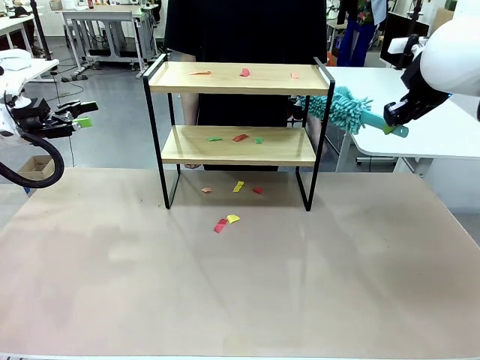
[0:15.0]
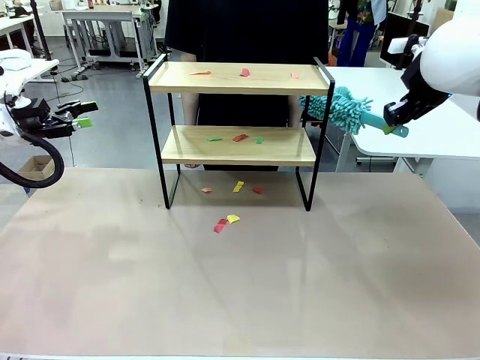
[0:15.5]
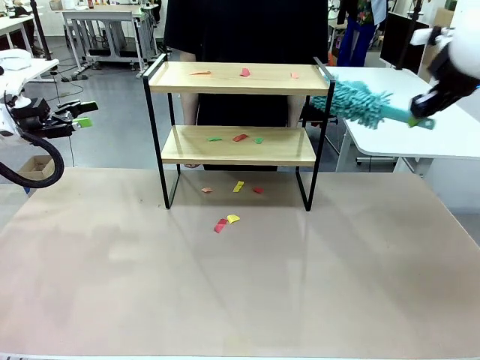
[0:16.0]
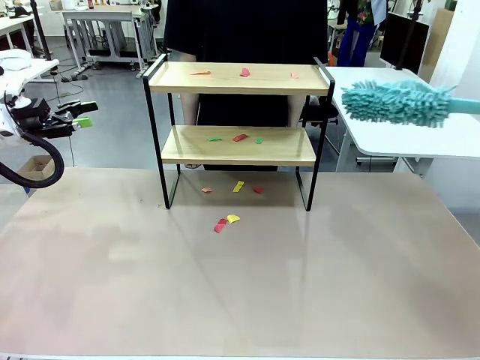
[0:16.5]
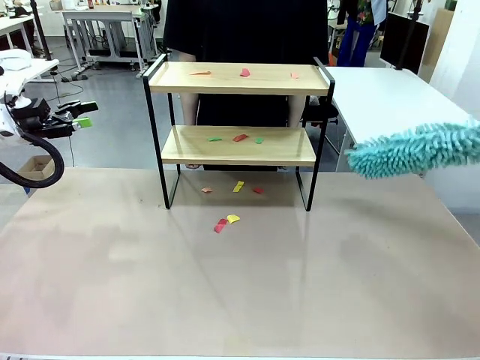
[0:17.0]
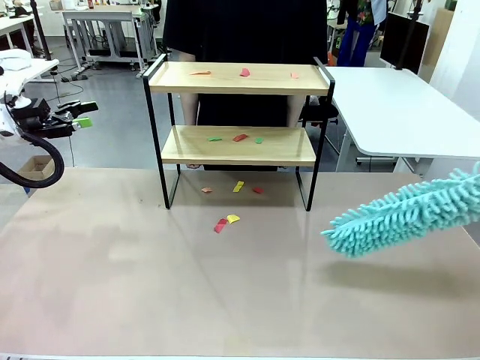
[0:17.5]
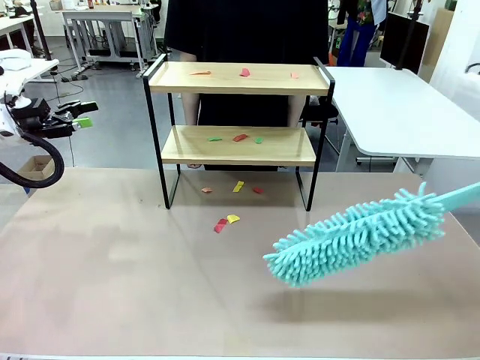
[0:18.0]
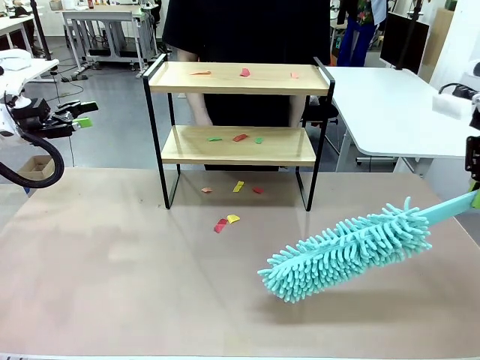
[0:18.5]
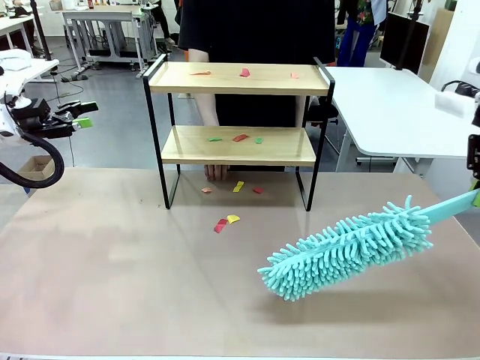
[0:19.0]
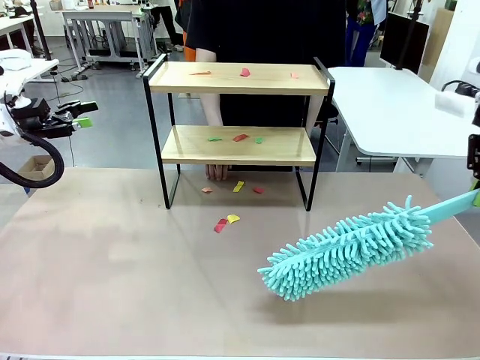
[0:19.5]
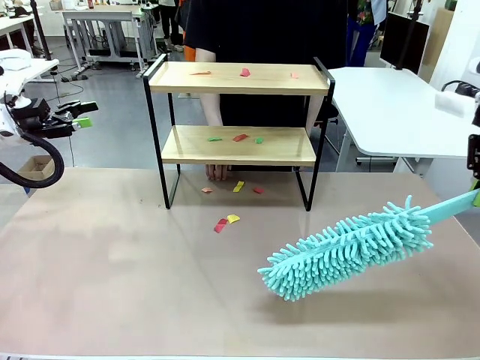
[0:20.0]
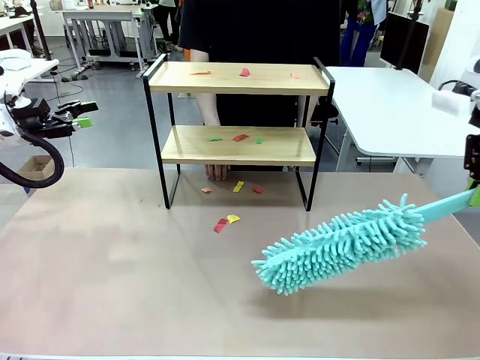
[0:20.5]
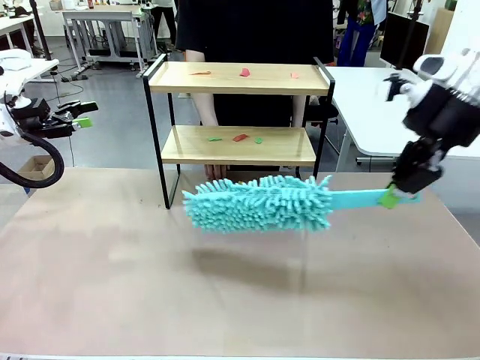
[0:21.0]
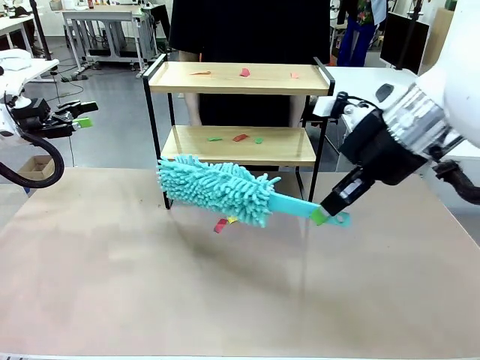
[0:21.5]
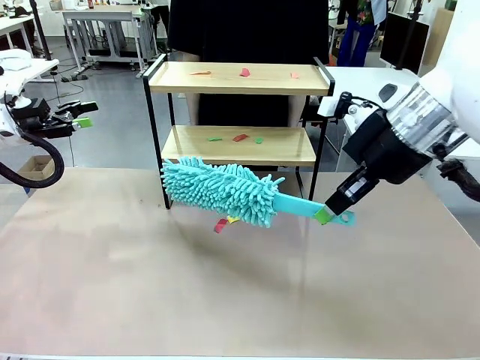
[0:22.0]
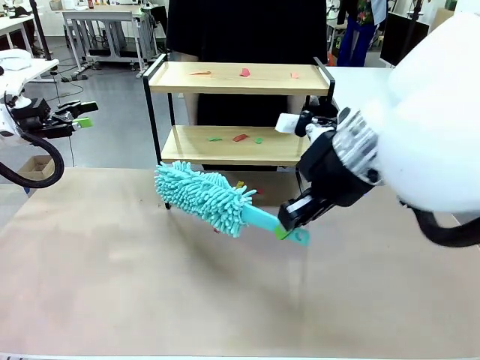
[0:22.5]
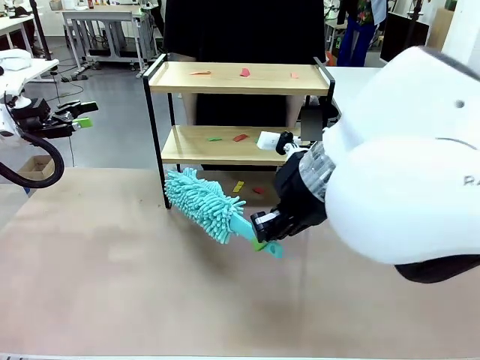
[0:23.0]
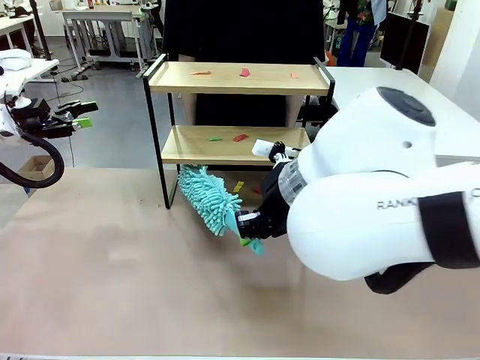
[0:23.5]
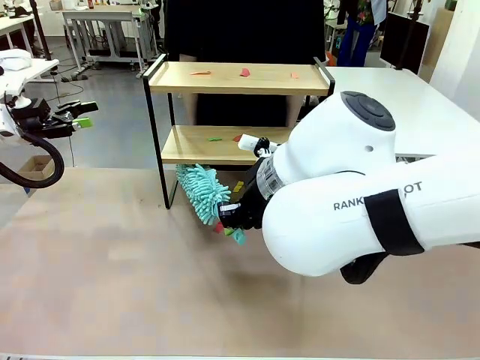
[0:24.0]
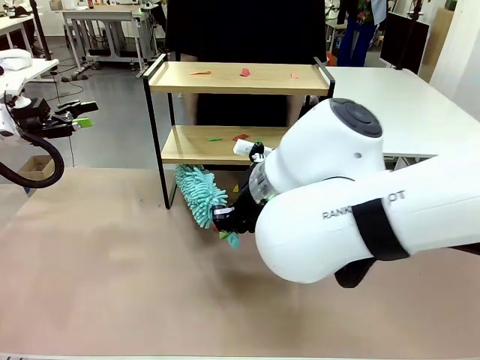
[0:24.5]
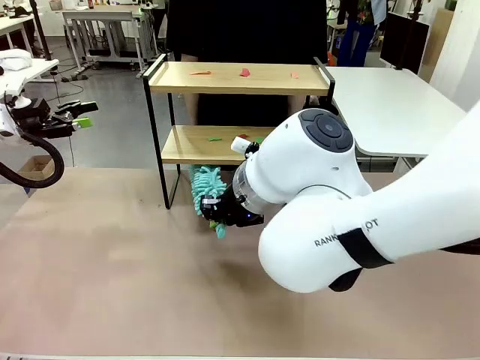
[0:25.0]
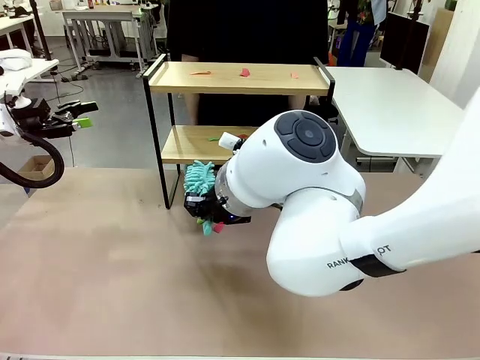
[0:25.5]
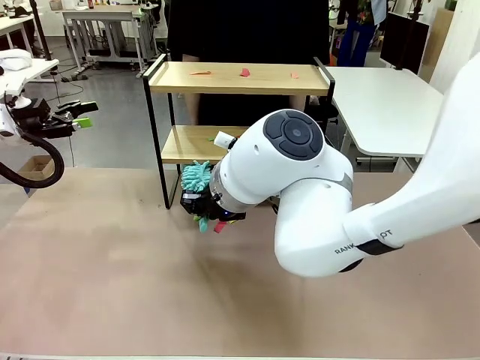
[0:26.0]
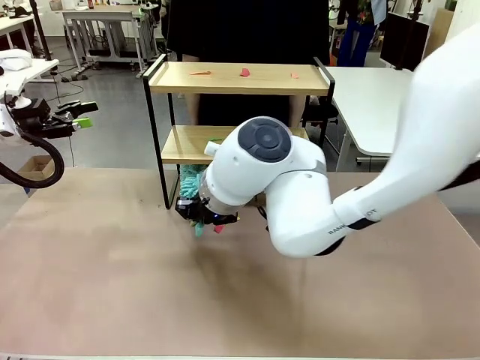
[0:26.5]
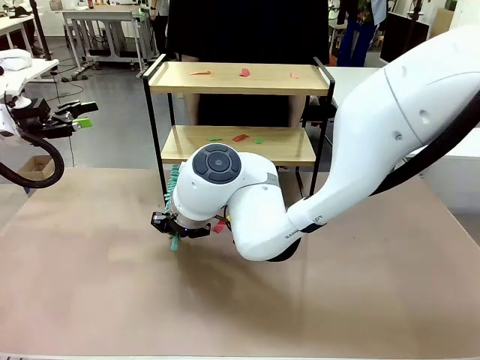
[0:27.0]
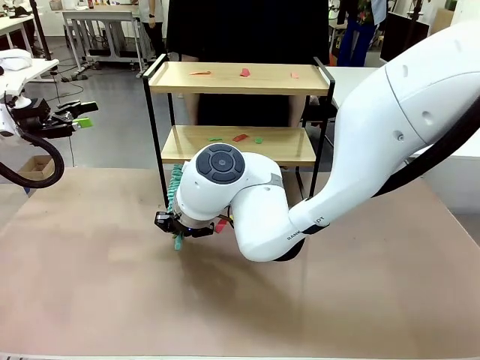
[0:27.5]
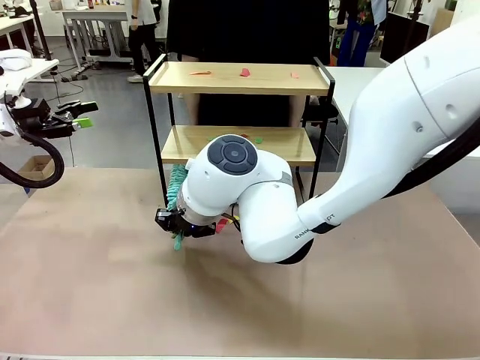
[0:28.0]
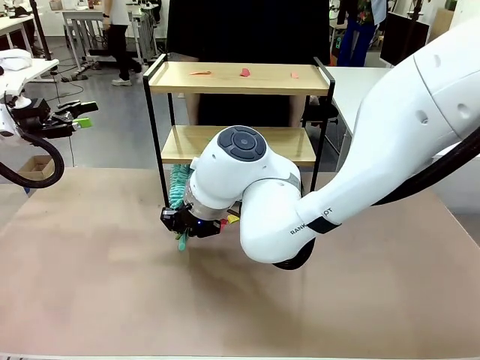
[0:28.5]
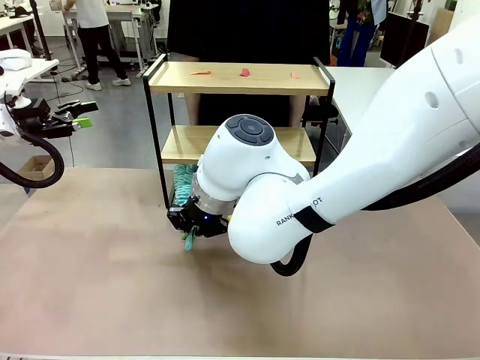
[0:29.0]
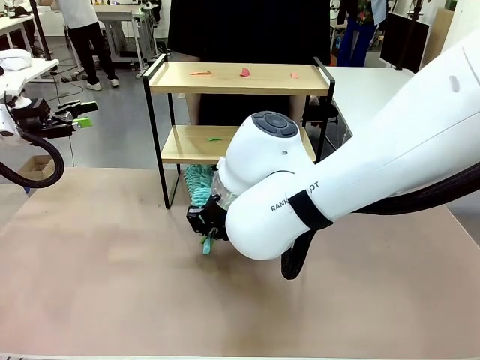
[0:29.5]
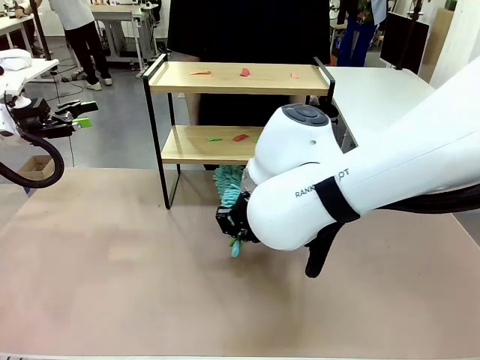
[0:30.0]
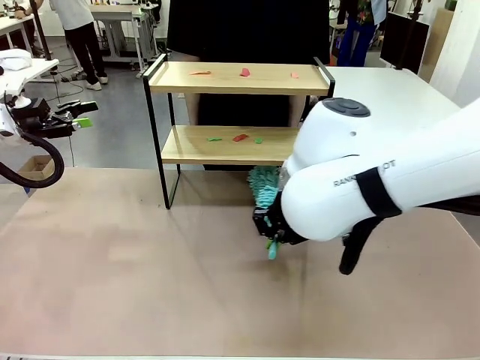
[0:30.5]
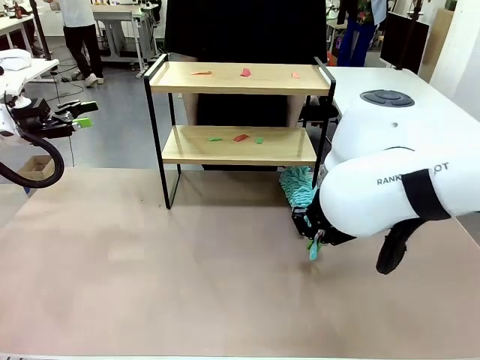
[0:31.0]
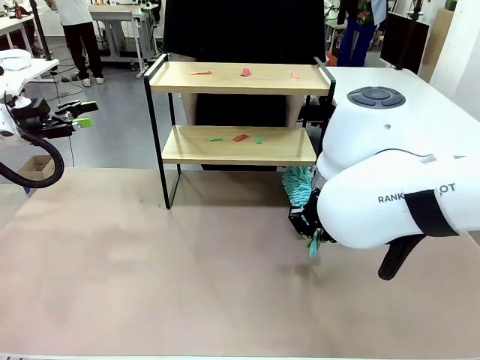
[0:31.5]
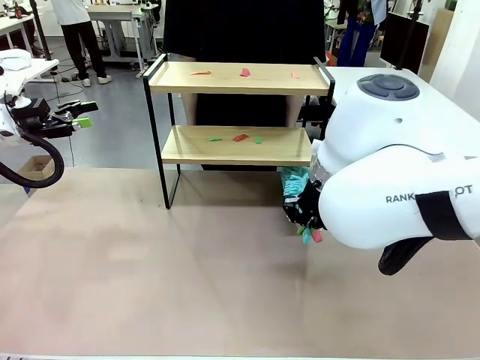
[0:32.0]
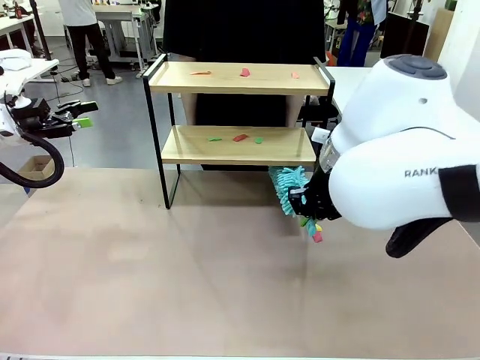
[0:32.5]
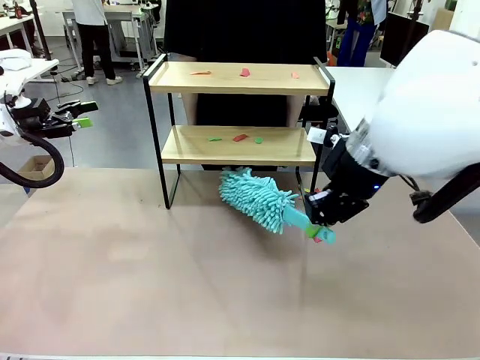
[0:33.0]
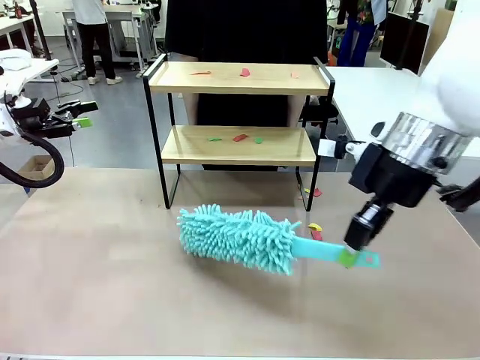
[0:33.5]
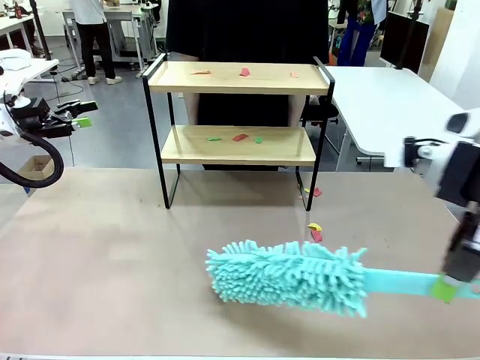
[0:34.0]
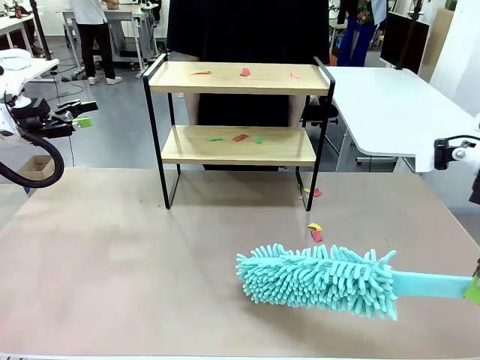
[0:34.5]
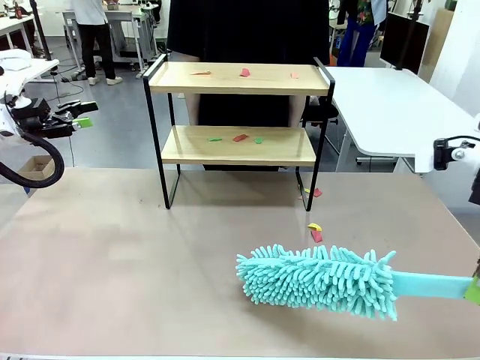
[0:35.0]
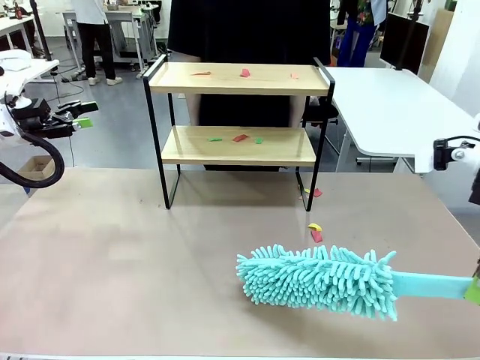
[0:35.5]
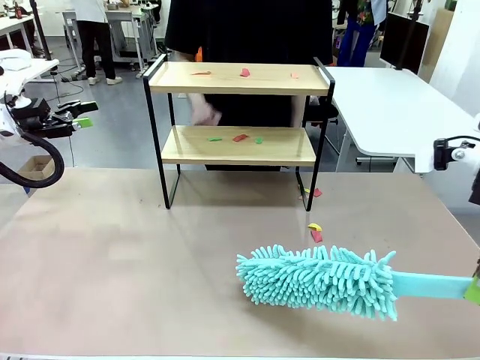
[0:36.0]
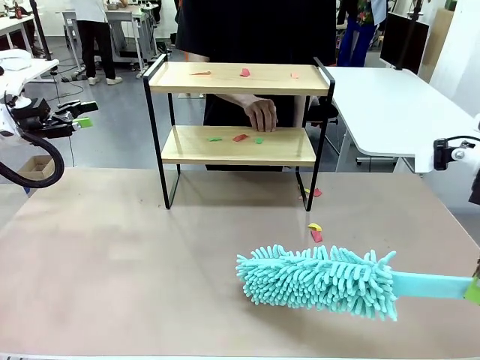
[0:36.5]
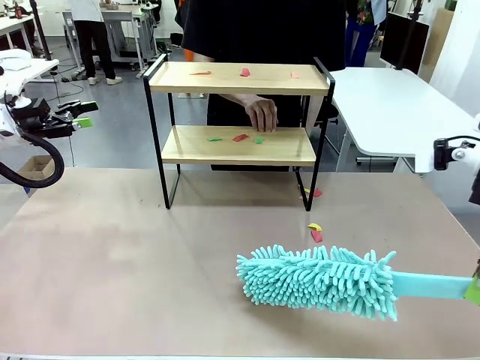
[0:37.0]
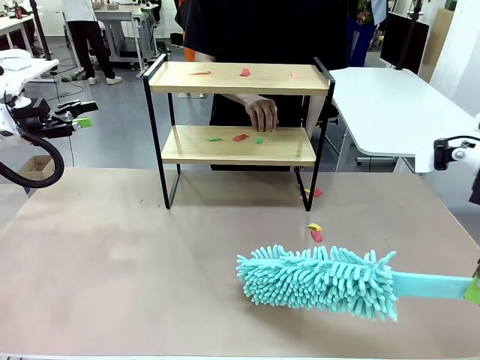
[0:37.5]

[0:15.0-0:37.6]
Task: Clean the shelf.
Robot: Clean the specific section of the Shelf indicated by the human with the Duster.
Person: Point a random section of the Shelf.

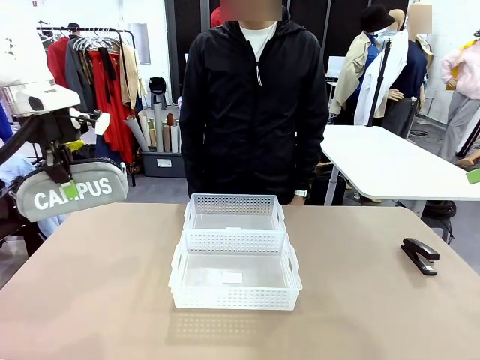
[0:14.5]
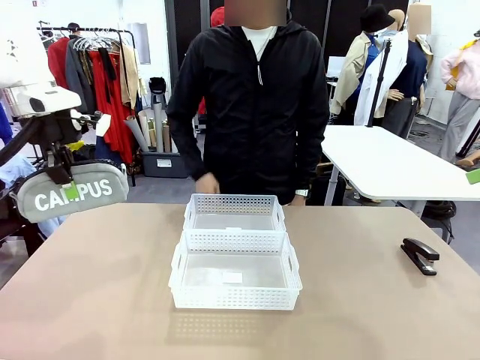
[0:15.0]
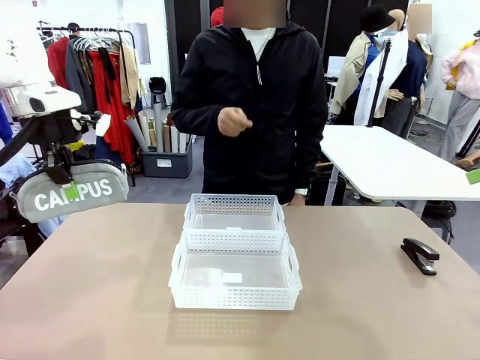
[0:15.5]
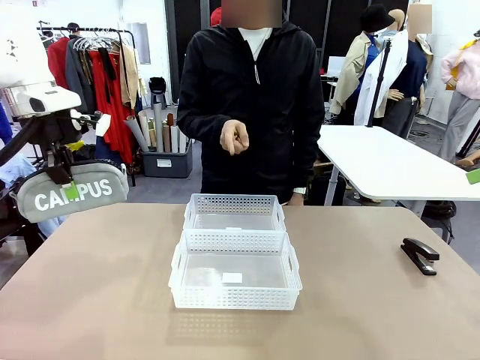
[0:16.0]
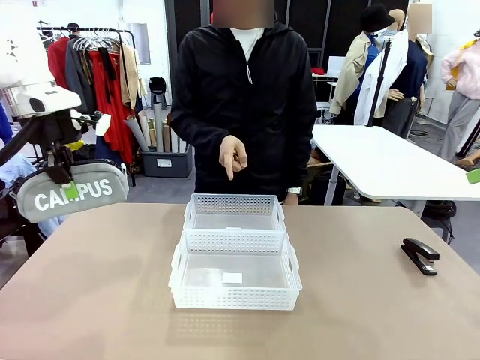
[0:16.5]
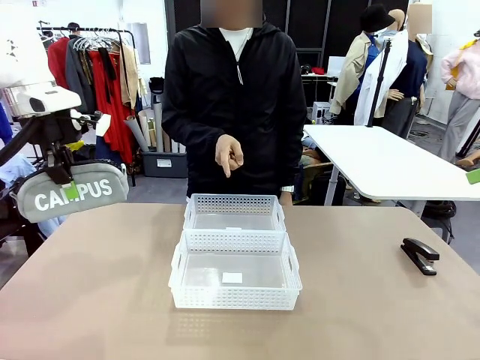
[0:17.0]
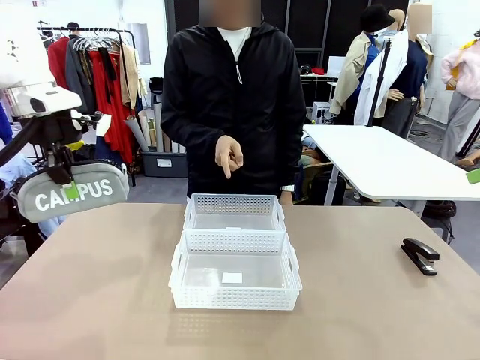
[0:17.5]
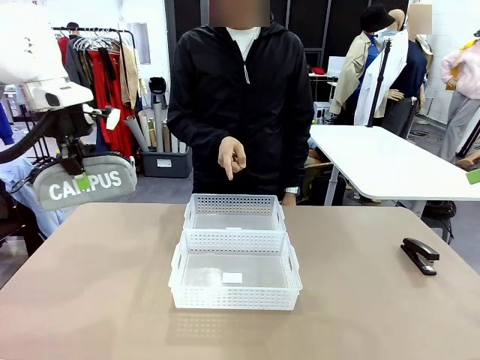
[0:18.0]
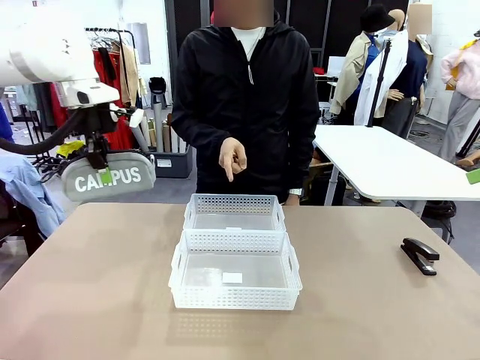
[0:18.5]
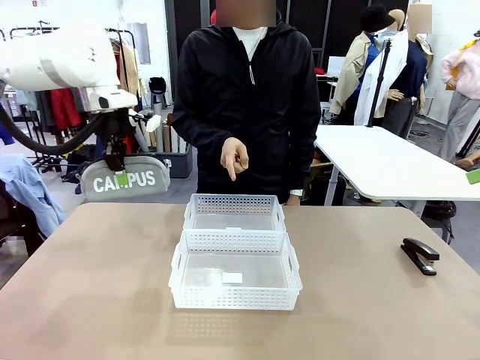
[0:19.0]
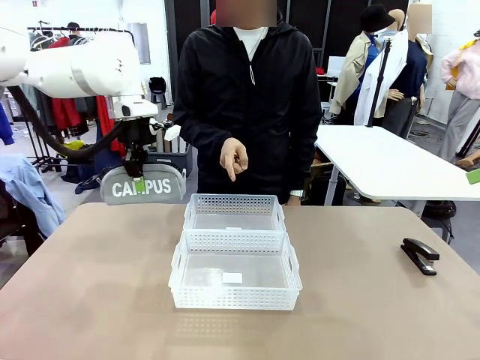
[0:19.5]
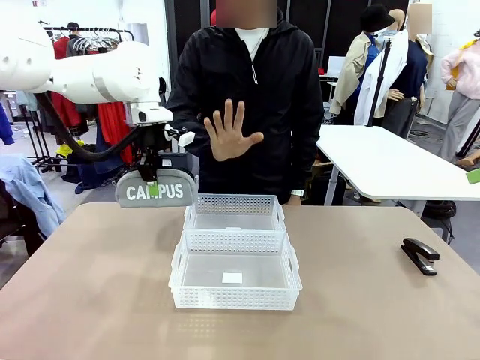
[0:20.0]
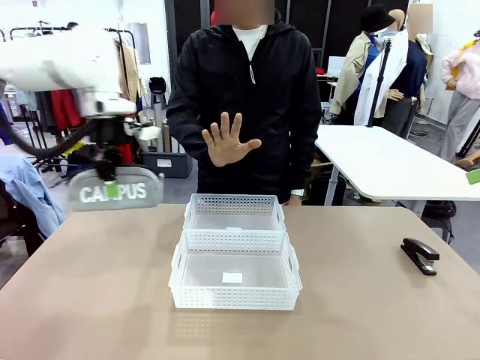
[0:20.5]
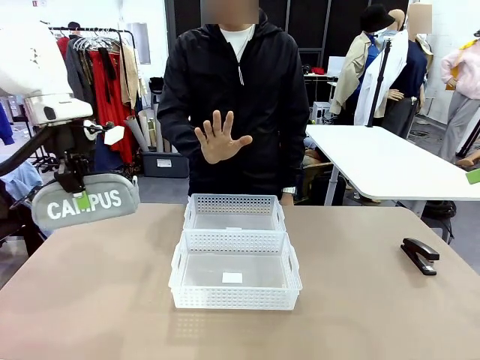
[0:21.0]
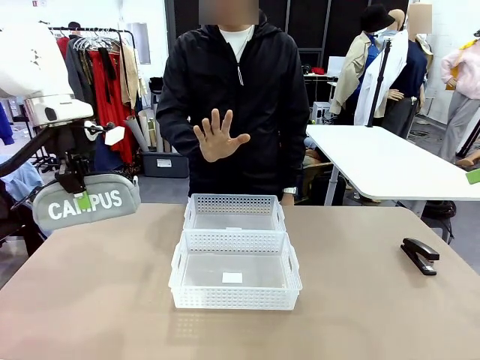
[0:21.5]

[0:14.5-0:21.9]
Task: Distribute items into two baskets.
Robot: Move the picked Pencil pouch towards the Organizing basket indicated by the person, stopping as directed.
Person: Sends a stop gesture before the robot places the pencil case into the basket.
